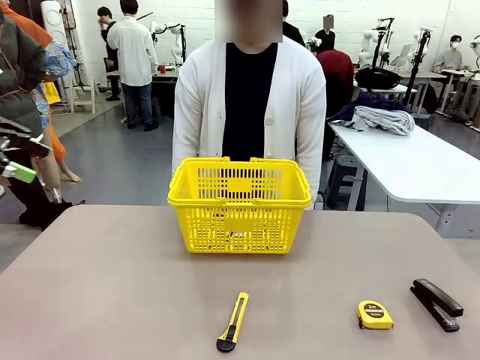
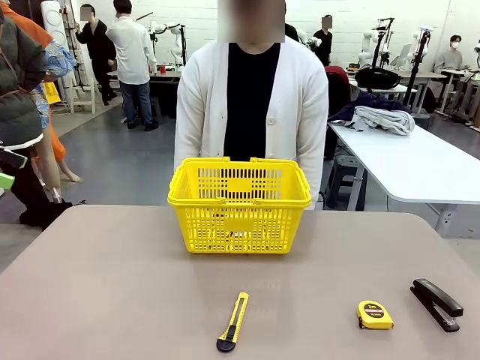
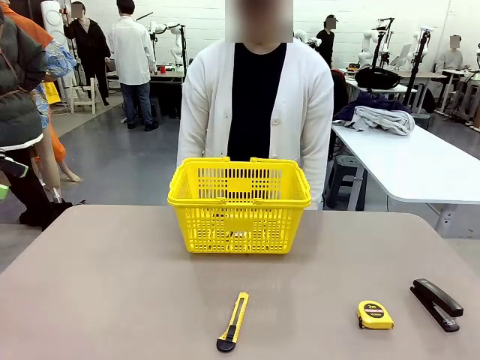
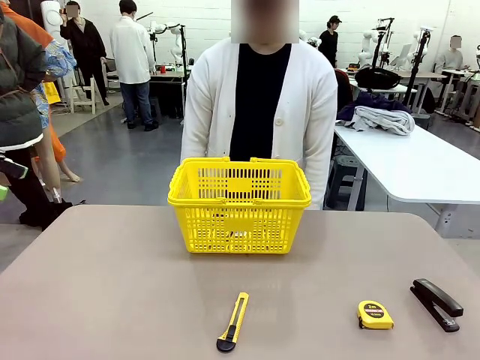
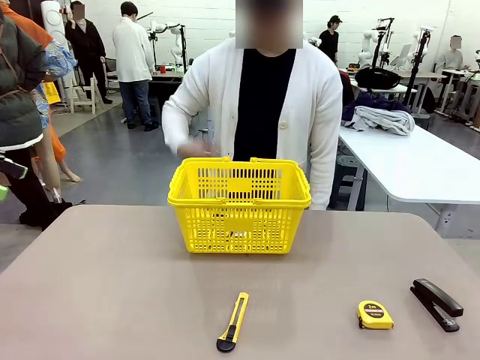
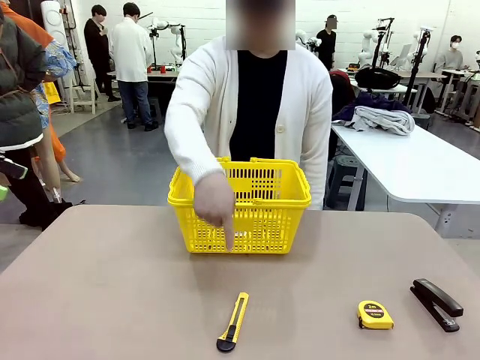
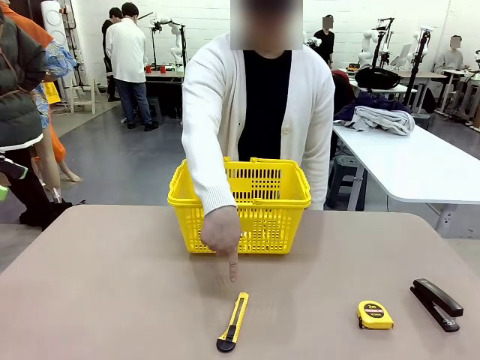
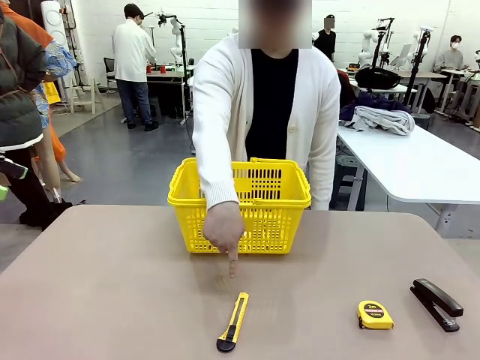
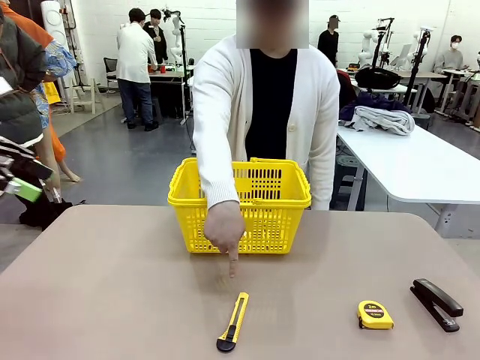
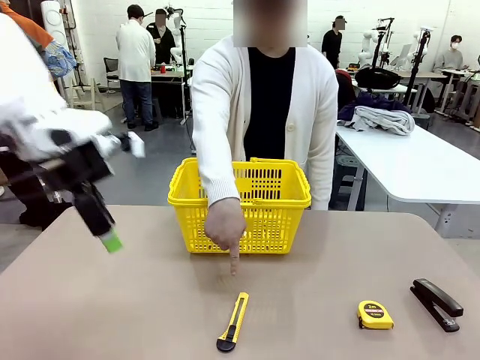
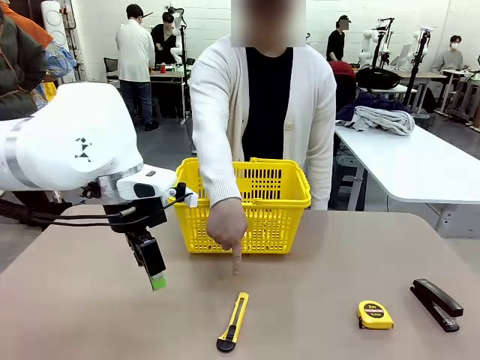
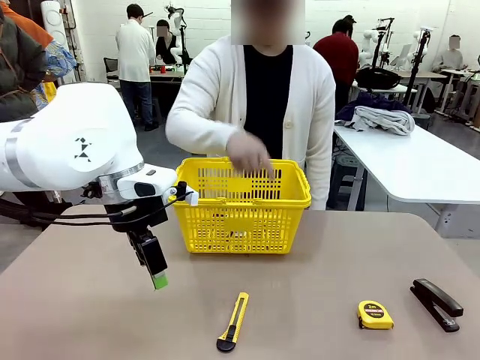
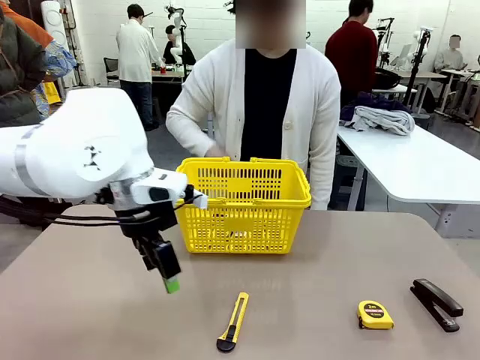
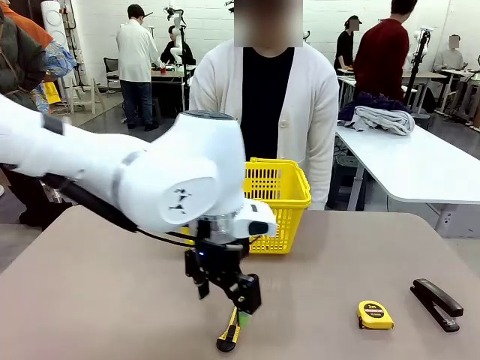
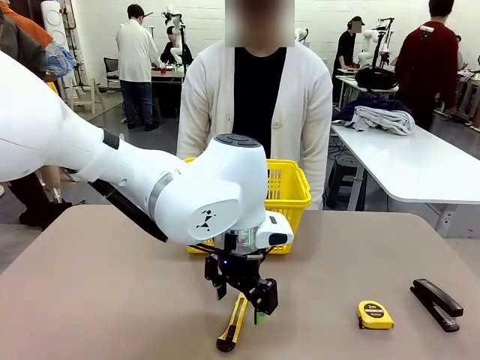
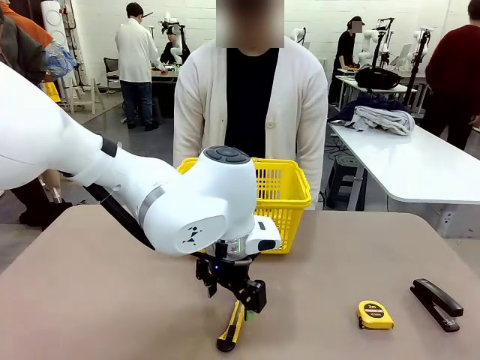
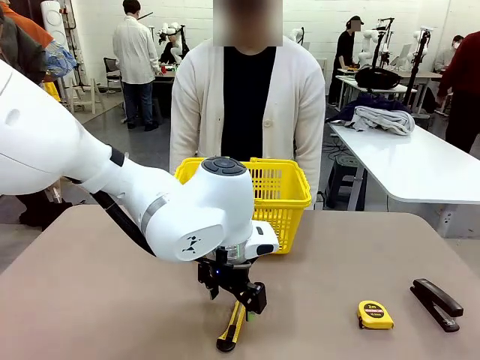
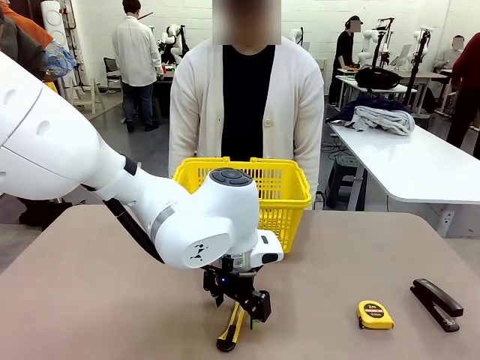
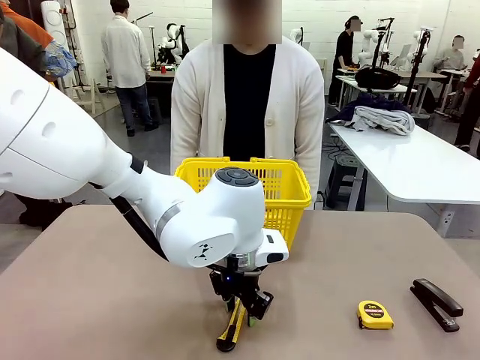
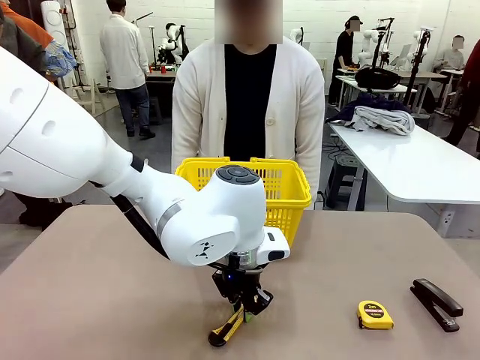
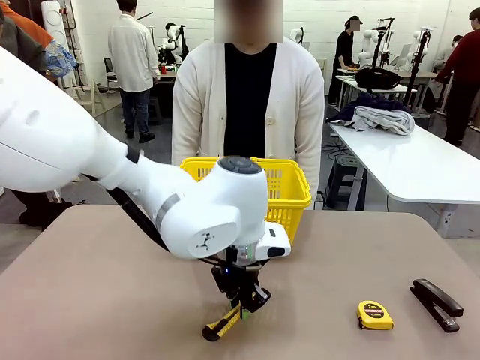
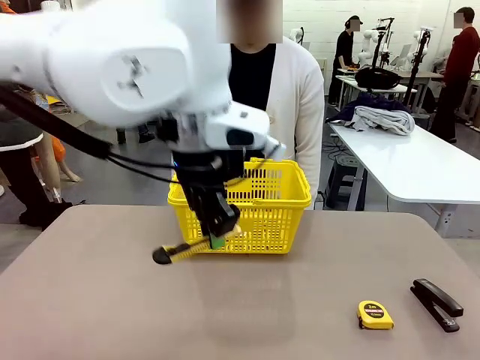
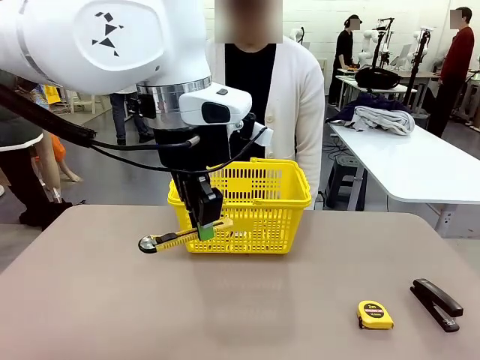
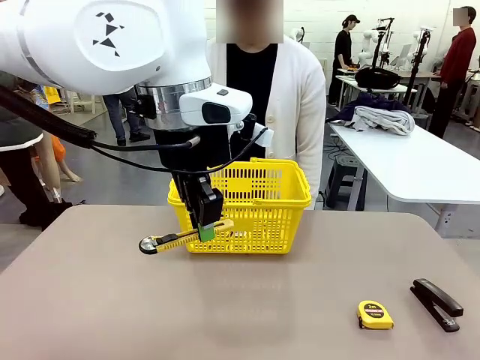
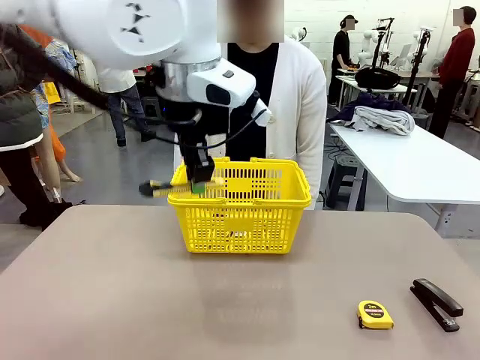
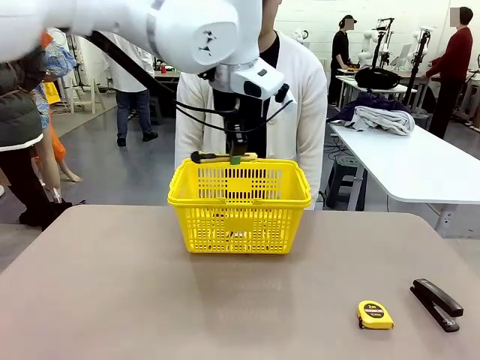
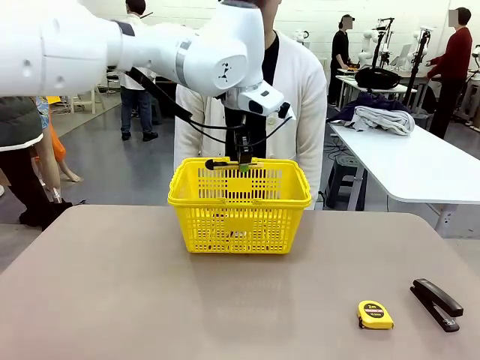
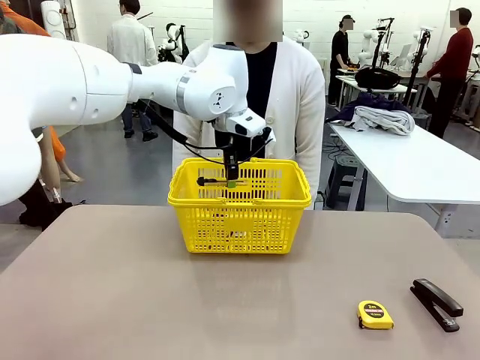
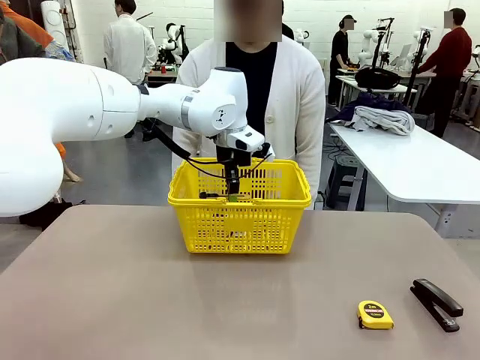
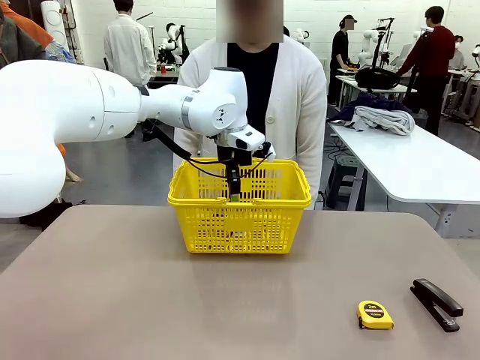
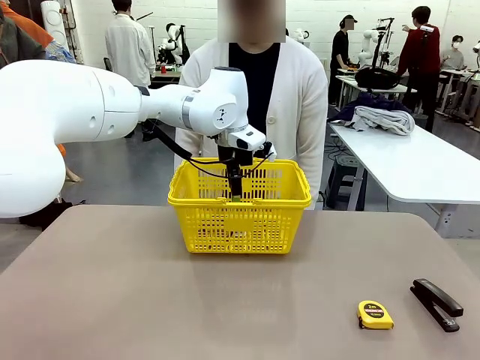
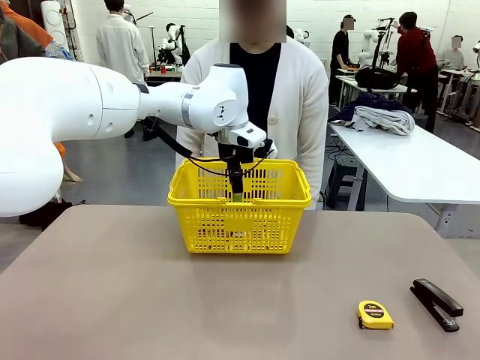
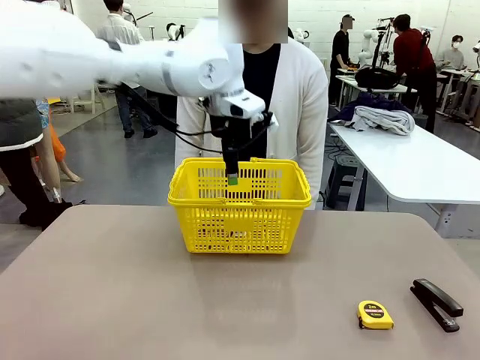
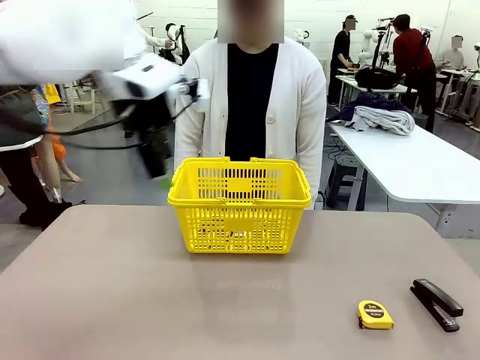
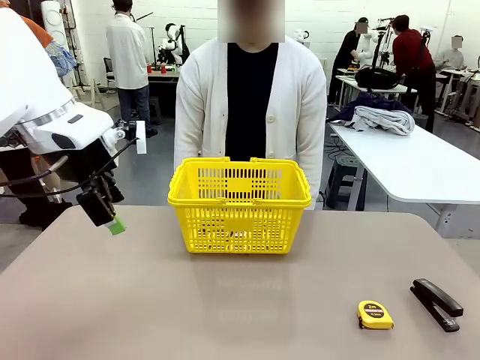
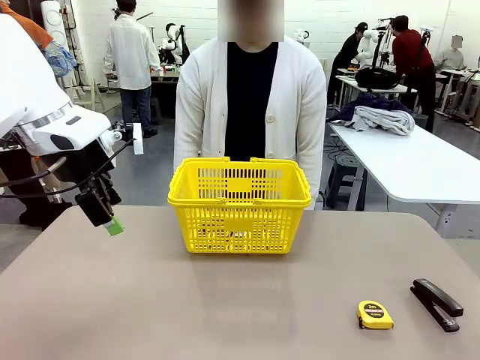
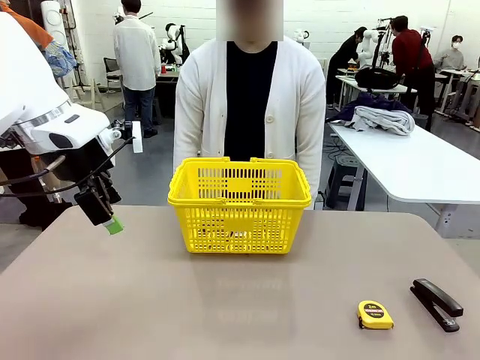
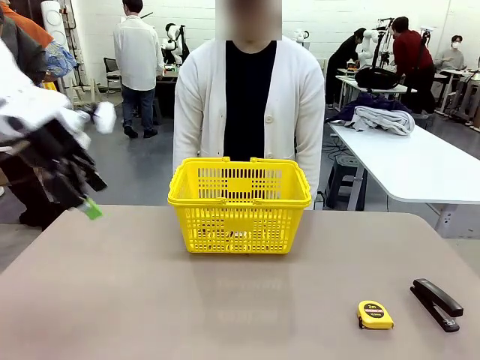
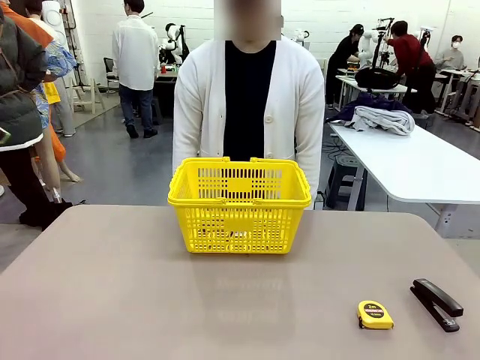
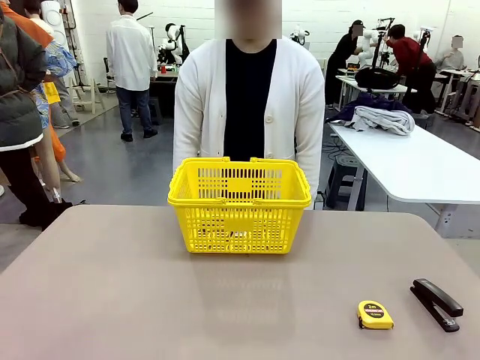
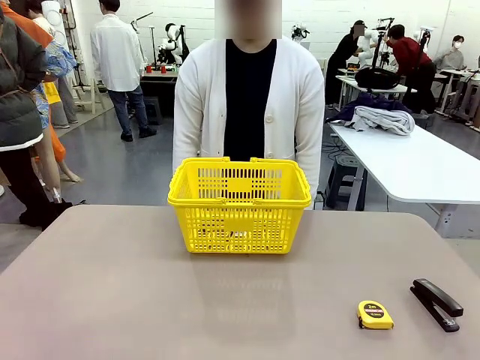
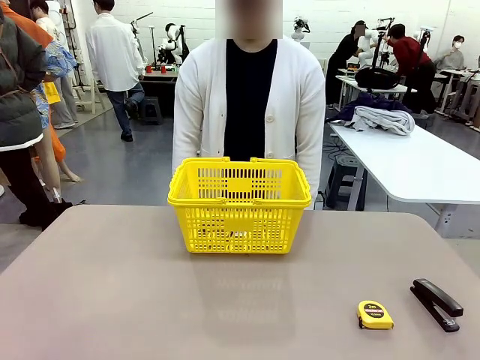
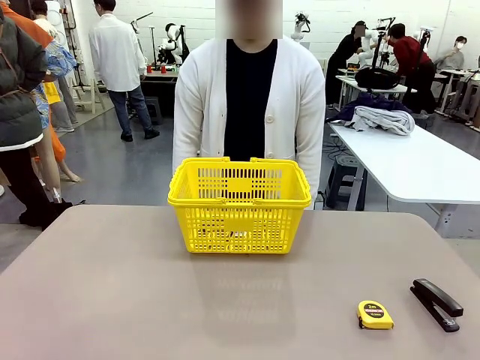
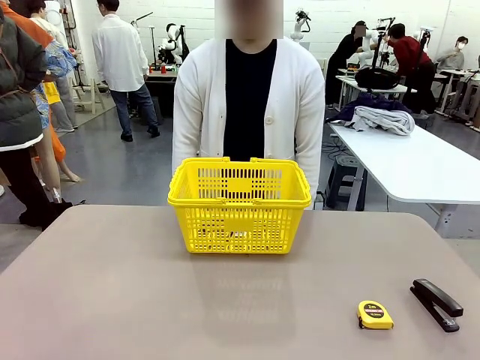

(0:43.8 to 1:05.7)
Task: Place the items the person wants into the basket.
Robot: Pick up the item the person points to and place it in the Market Basket.
